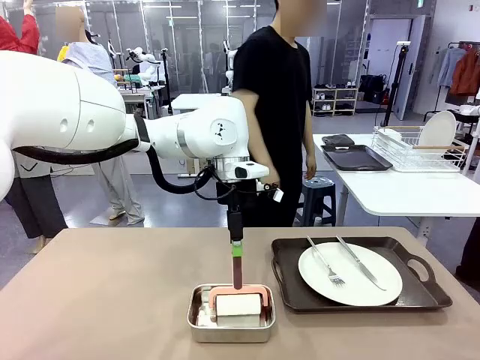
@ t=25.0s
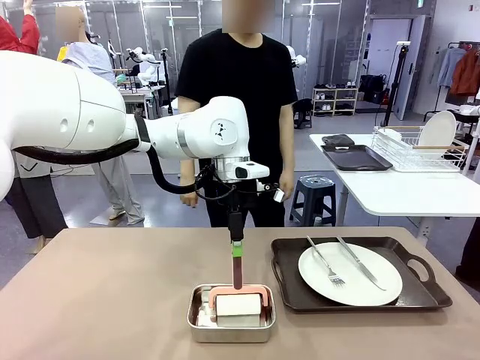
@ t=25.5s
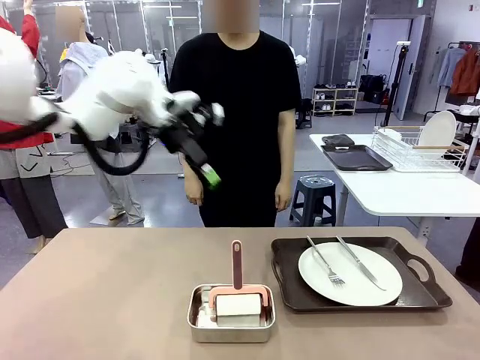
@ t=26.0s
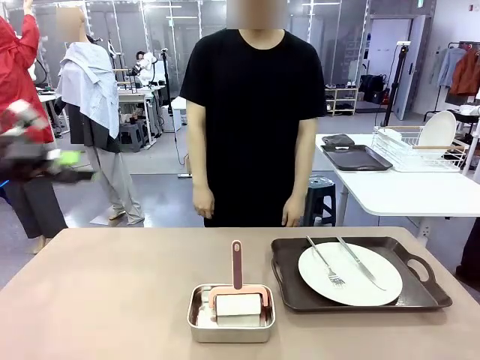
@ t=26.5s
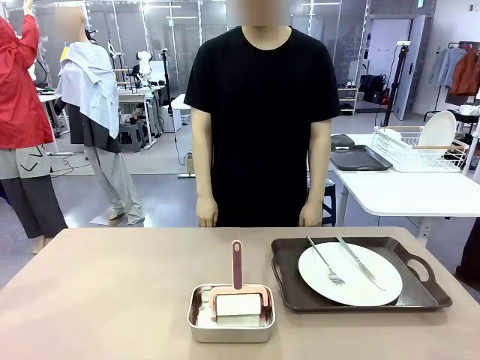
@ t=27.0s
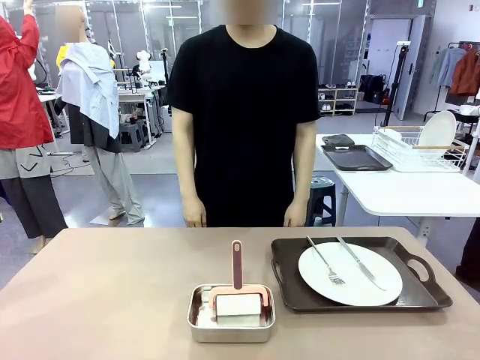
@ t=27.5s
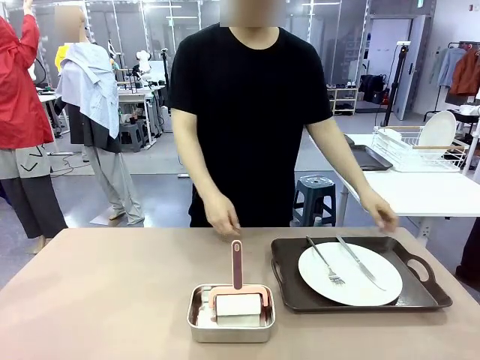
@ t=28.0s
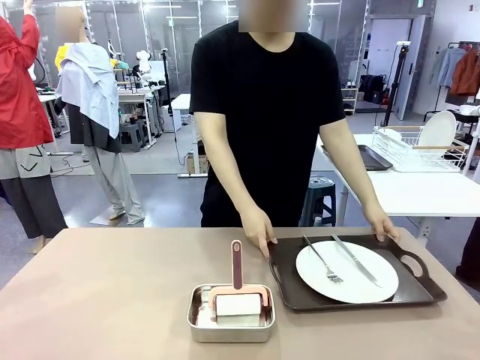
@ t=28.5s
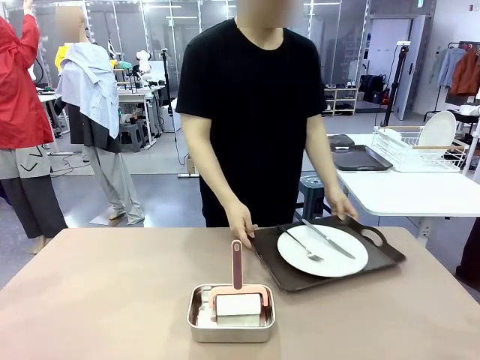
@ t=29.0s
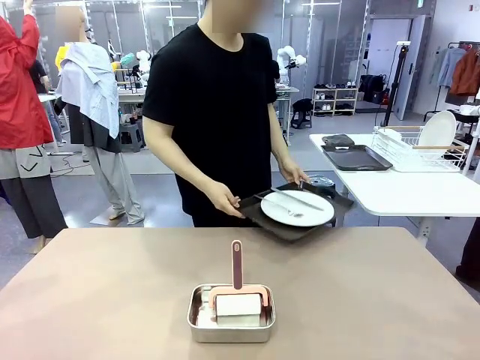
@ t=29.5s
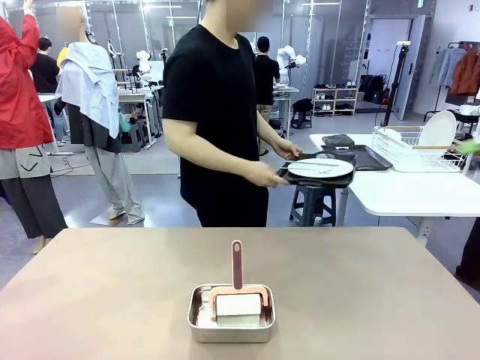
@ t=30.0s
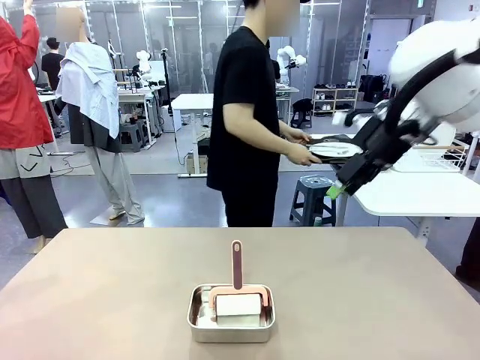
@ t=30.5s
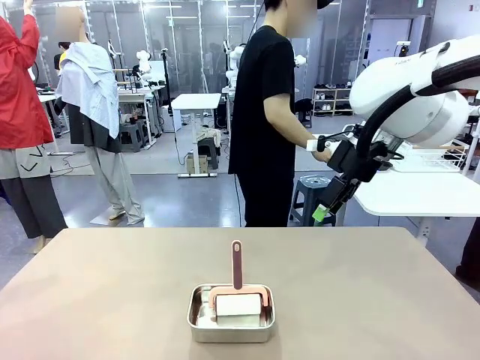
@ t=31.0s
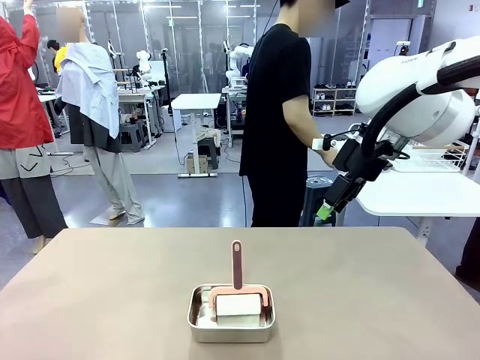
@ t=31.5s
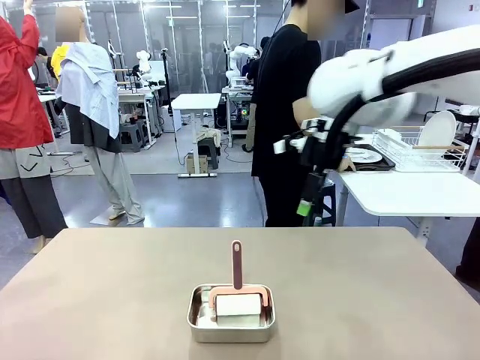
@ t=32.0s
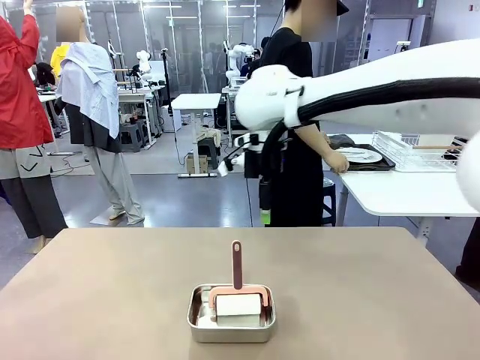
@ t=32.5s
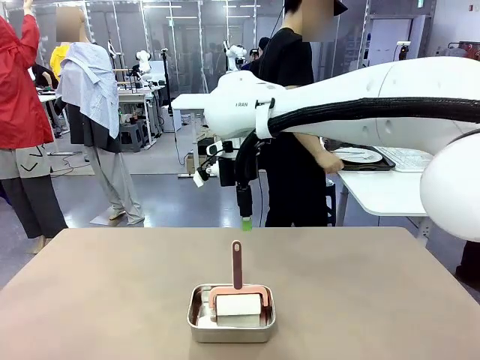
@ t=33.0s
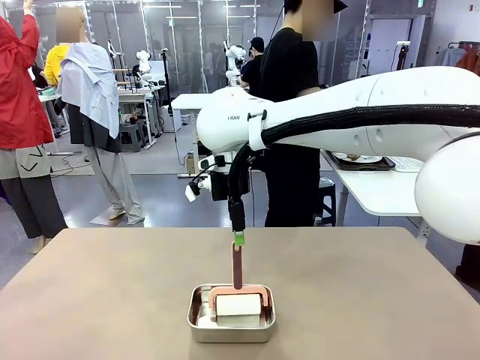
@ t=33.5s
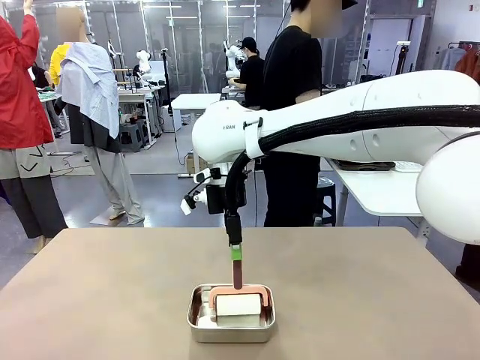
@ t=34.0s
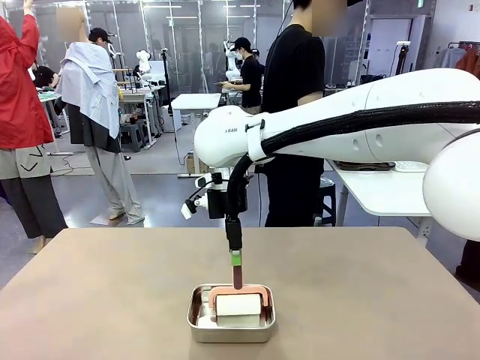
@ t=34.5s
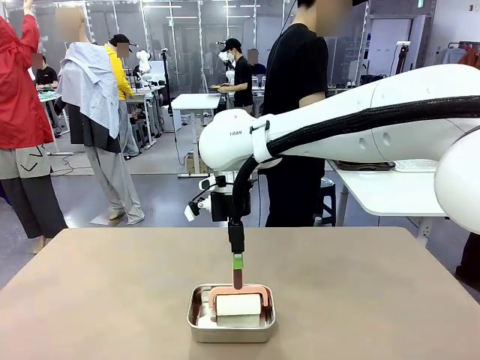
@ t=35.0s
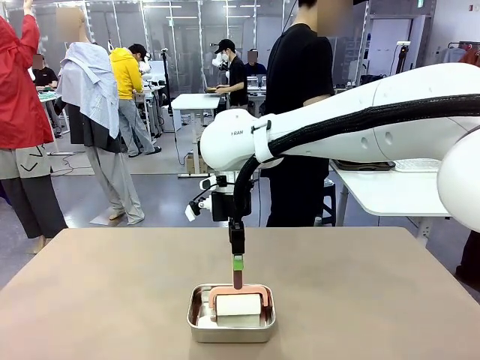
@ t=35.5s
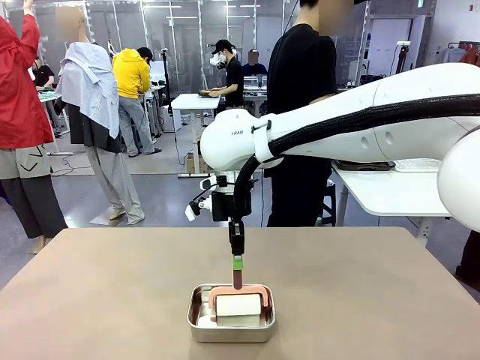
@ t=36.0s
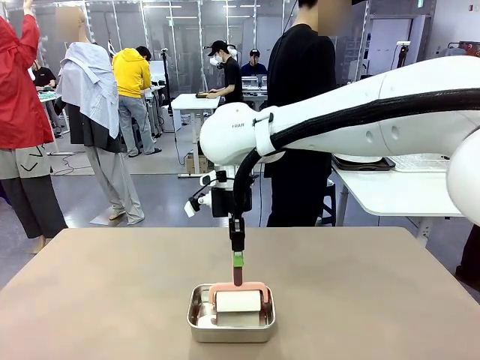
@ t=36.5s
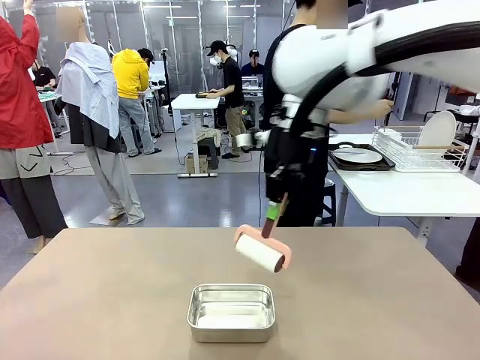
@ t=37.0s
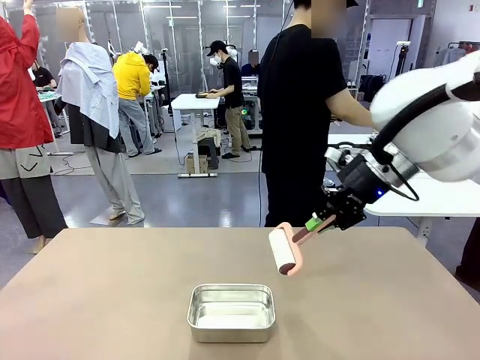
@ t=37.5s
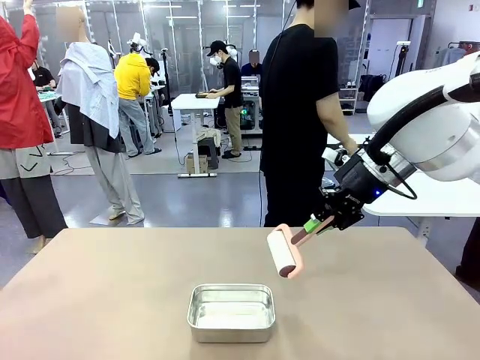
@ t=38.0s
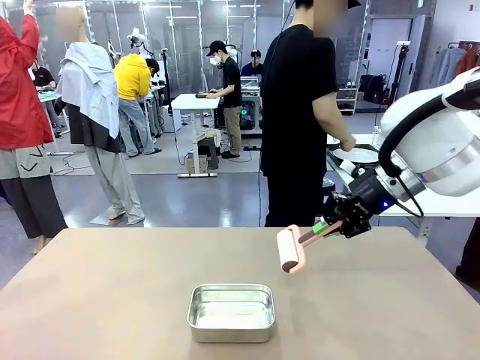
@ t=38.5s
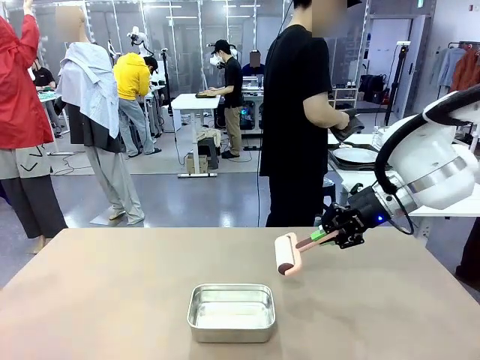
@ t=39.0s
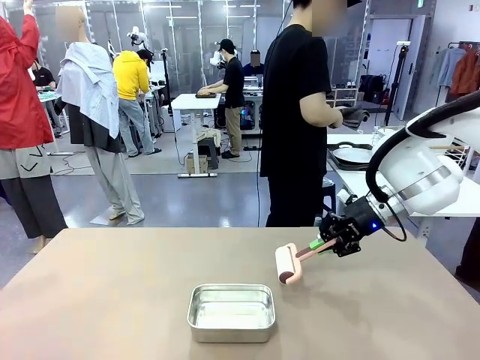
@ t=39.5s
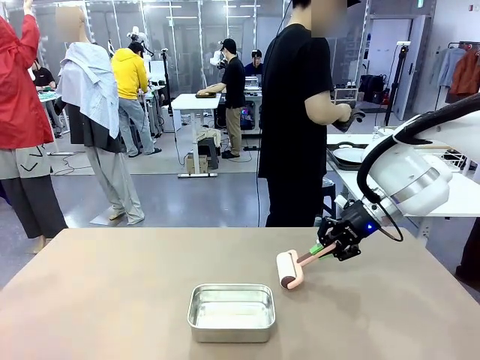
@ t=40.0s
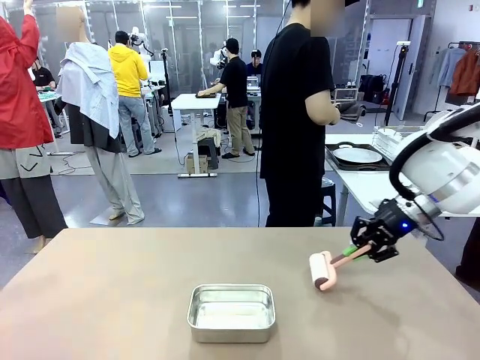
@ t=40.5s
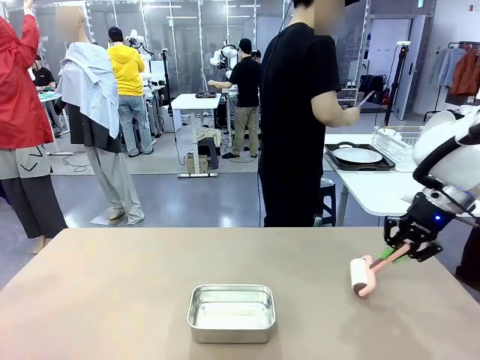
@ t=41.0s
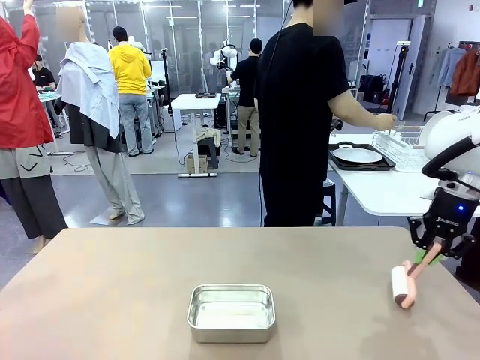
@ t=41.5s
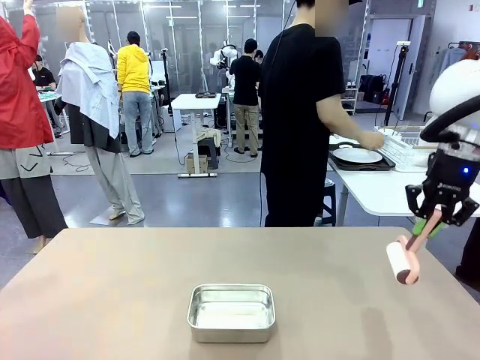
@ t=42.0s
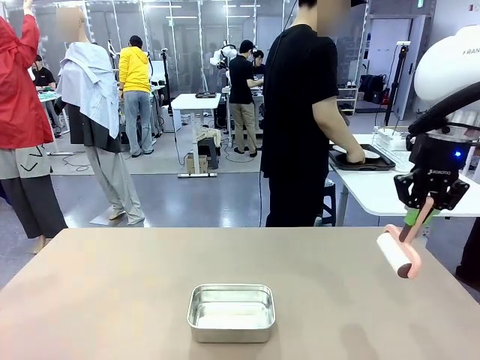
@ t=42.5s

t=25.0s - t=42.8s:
Robot: When the right (or left) Handle tray is removed, use the right hand (or left hand) to clean the right (or left) side of the table with the Lint Roller.
Person: Pick up the left (or right) Handle tray and place it on the Handle tray.

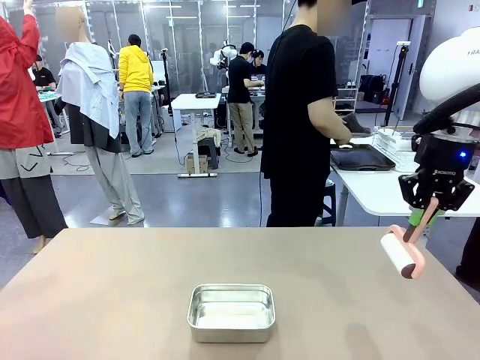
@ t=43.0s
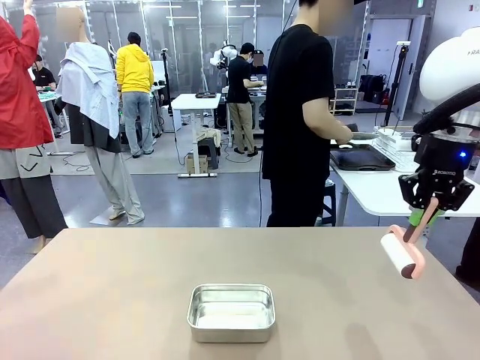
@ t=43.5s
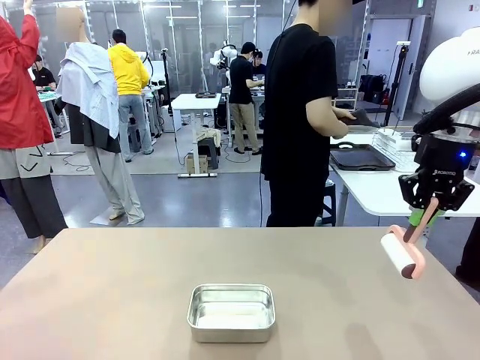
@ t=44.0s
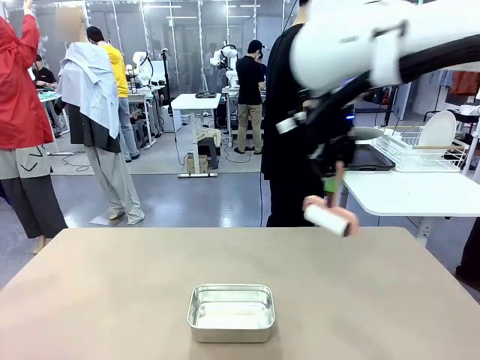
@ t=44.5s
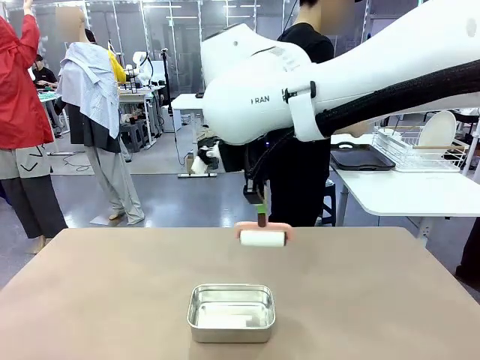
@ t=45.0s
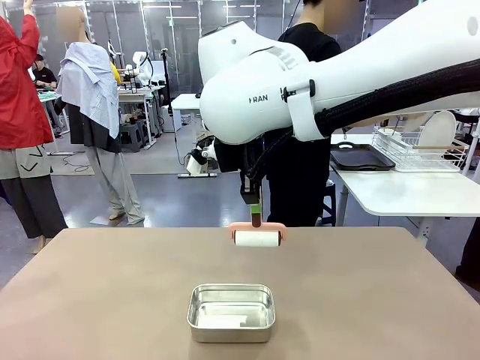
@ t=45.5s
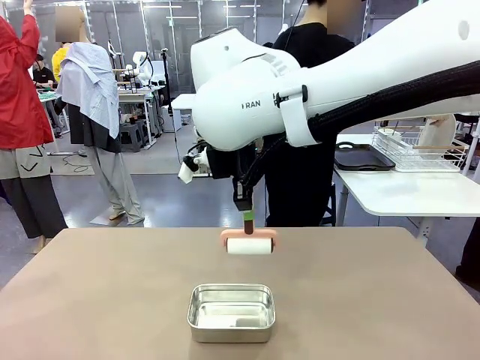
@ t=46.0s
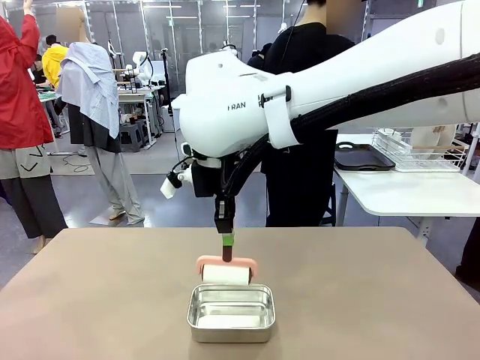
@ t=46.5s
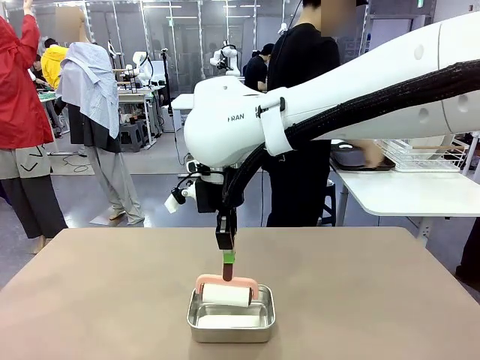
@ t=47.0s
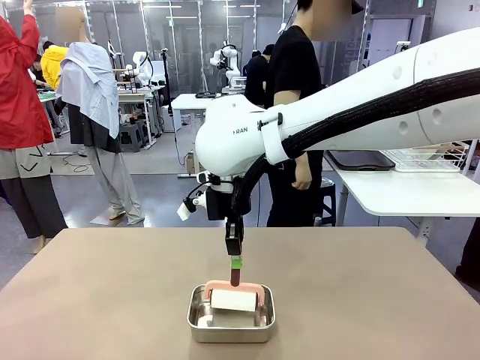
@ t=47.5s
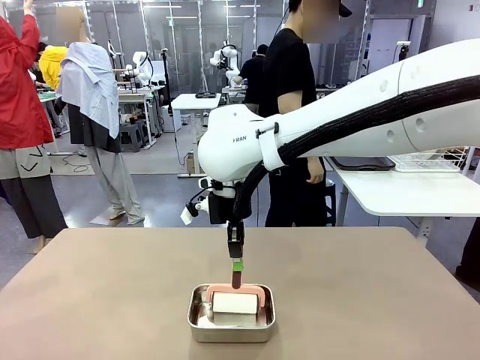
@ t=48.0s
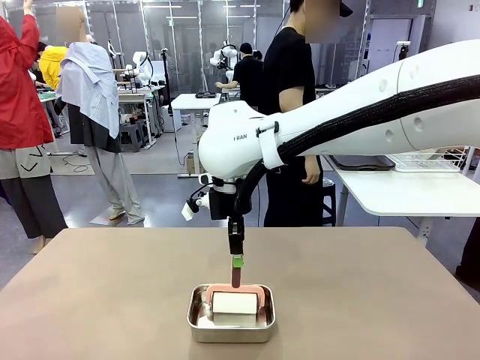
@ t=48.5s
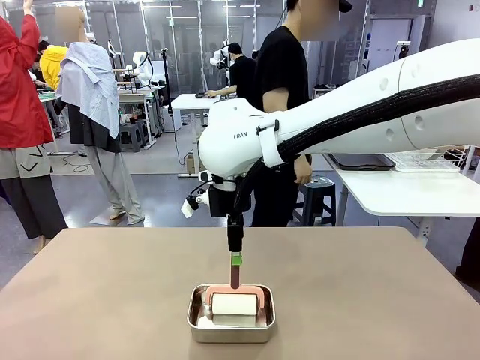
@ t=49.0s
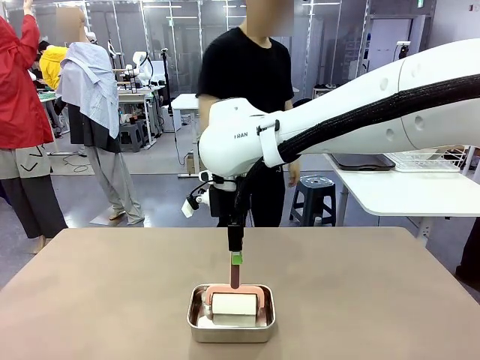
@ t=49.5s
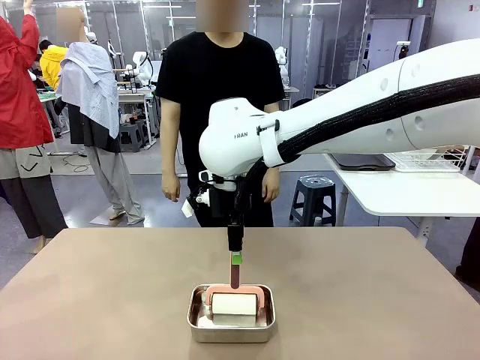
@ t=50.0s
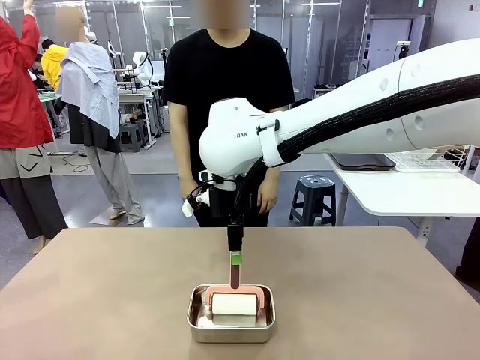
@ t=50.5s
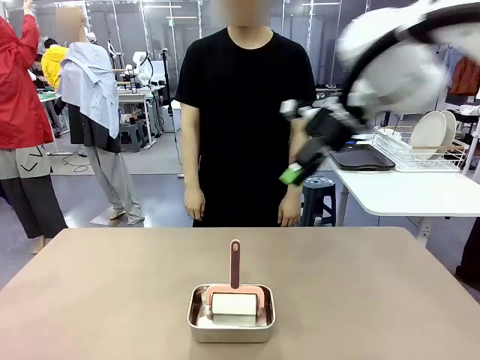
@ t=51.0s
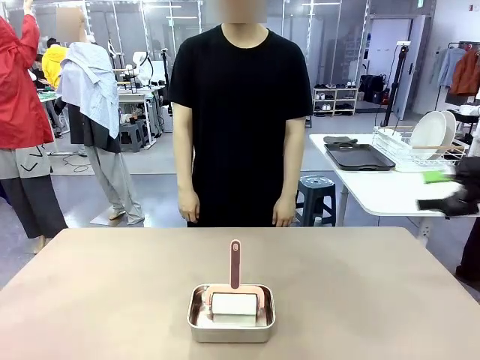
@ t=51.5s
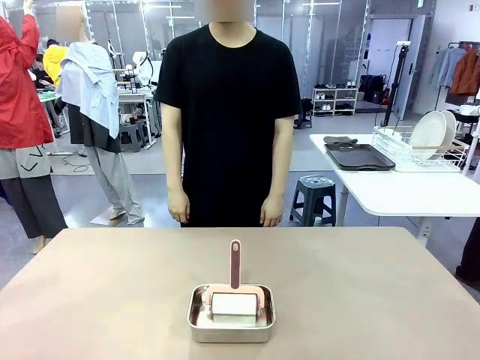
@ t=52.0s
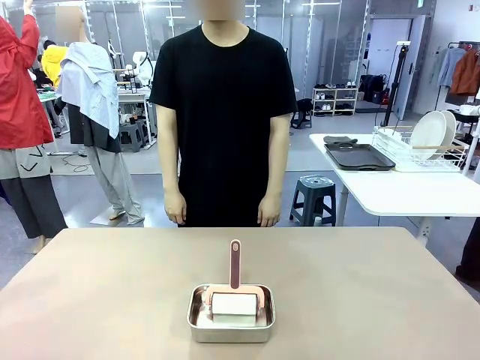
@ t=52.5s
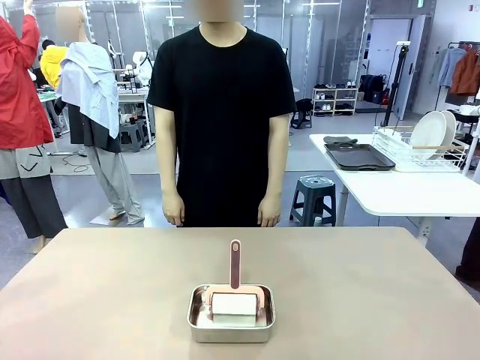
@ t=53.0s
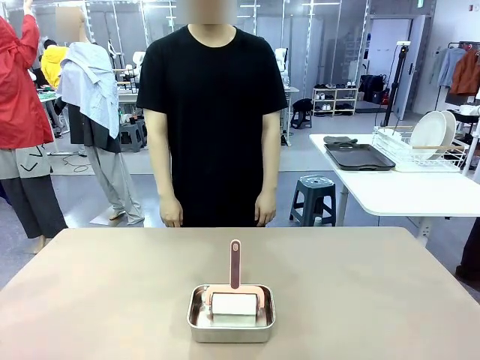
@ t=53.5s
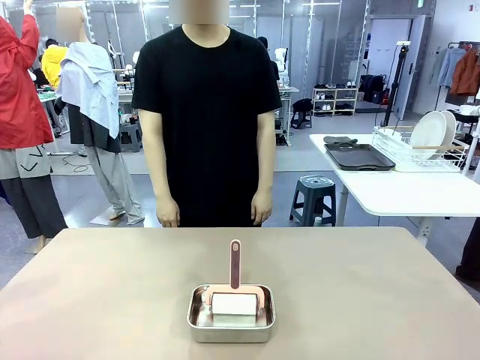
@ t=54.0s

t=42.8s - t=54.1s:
Robot: Place the Lint Roller back on top of the Airtight Container.
Person: Use the Towel with hook to wipe the Plastic Matte Plate , Fork , and Knife and place into the Dish drying rack.
